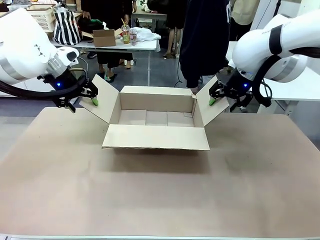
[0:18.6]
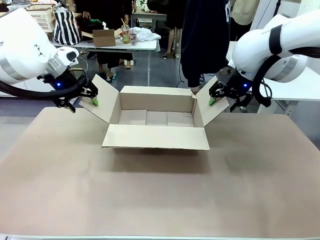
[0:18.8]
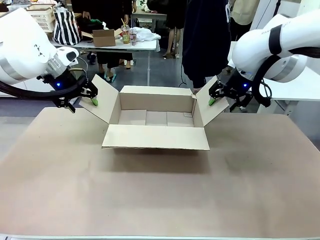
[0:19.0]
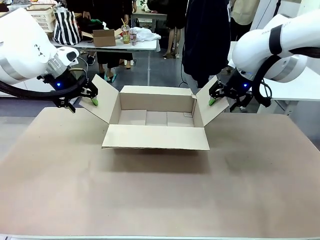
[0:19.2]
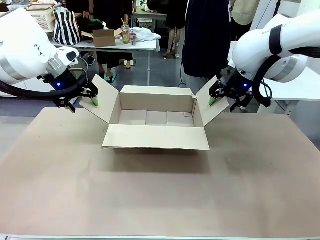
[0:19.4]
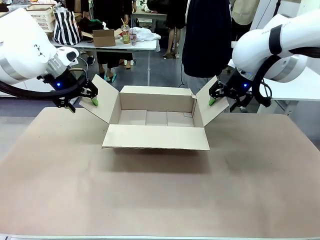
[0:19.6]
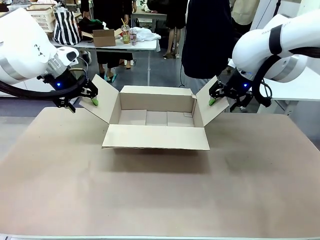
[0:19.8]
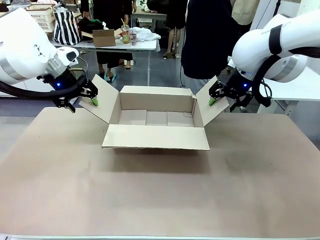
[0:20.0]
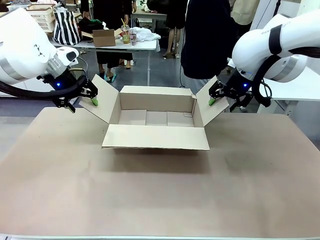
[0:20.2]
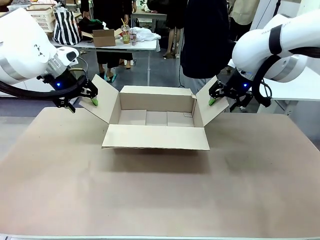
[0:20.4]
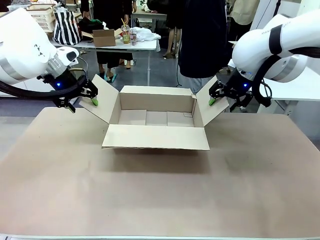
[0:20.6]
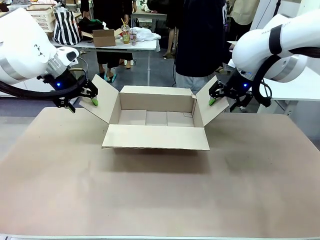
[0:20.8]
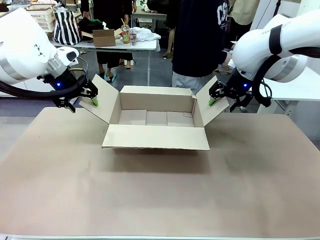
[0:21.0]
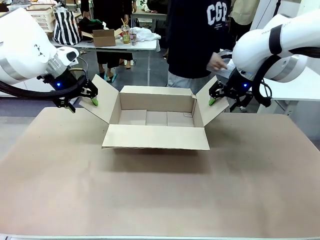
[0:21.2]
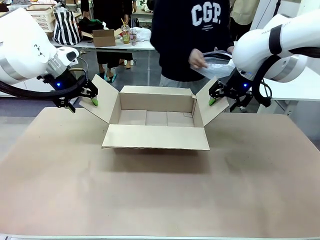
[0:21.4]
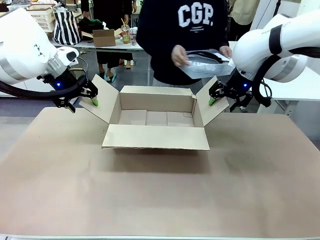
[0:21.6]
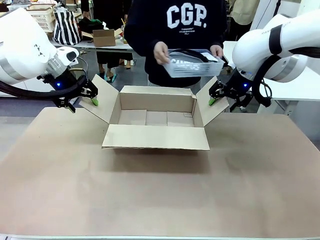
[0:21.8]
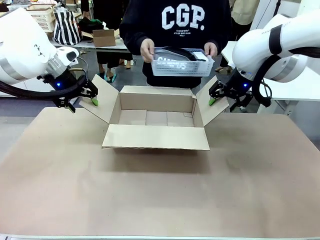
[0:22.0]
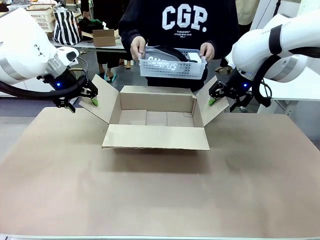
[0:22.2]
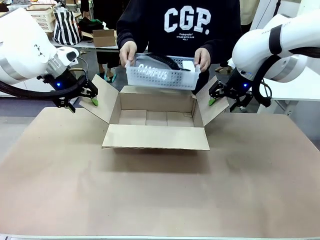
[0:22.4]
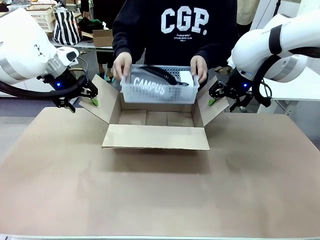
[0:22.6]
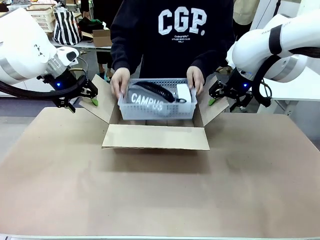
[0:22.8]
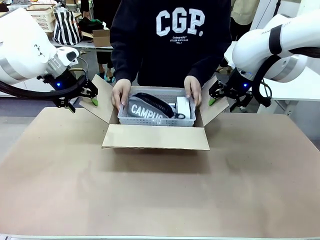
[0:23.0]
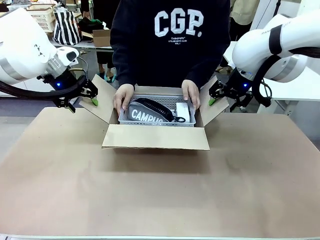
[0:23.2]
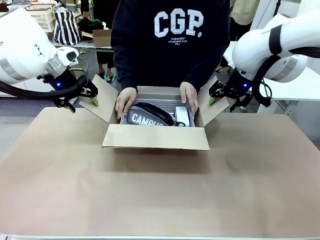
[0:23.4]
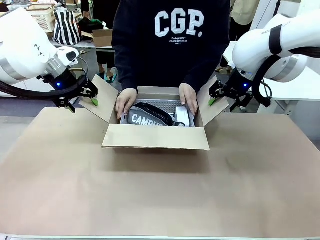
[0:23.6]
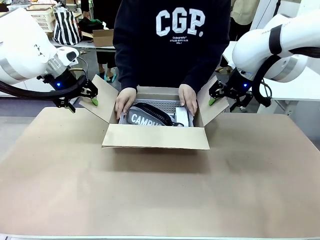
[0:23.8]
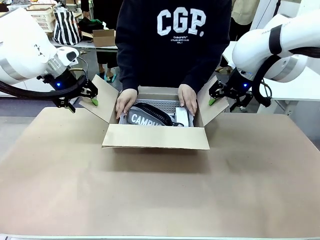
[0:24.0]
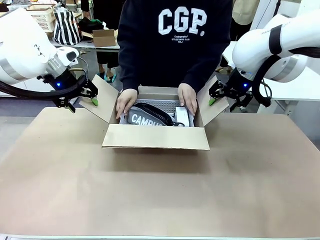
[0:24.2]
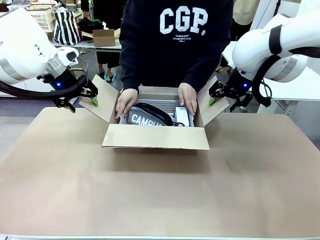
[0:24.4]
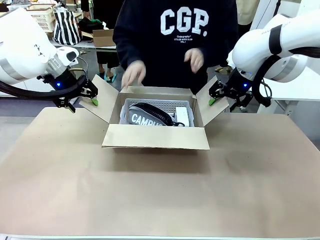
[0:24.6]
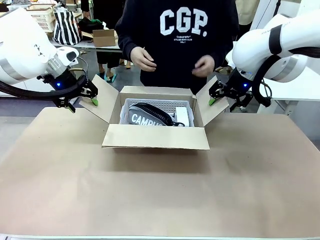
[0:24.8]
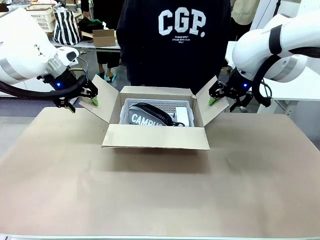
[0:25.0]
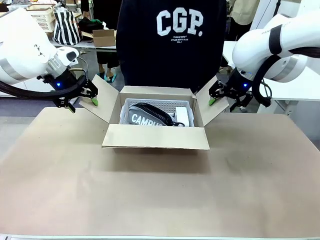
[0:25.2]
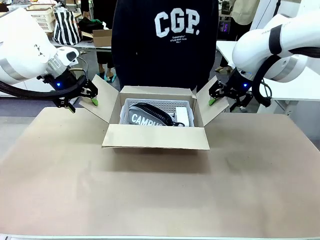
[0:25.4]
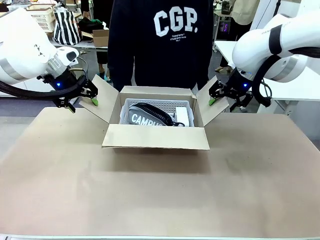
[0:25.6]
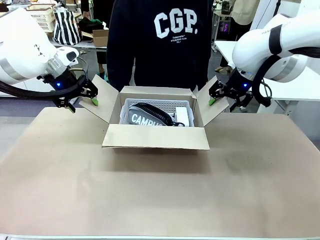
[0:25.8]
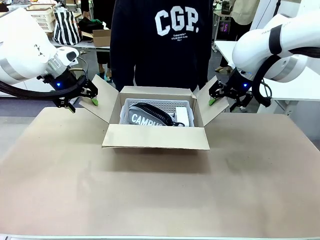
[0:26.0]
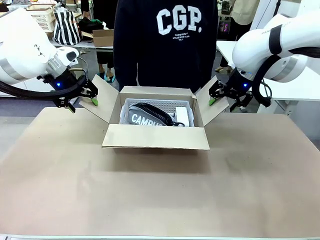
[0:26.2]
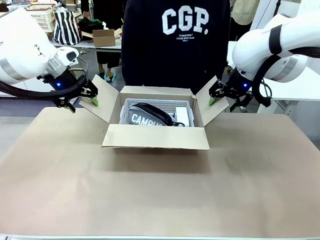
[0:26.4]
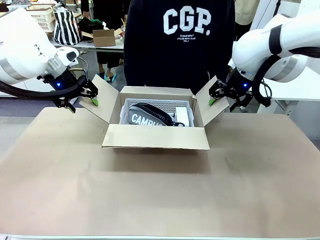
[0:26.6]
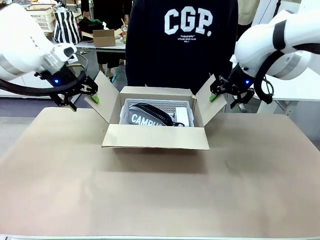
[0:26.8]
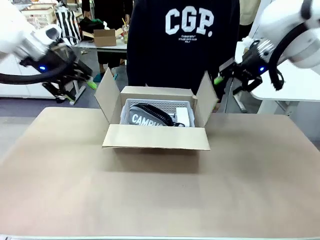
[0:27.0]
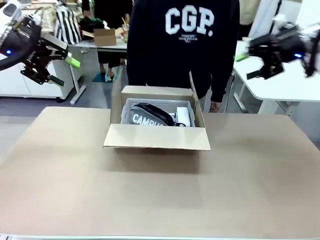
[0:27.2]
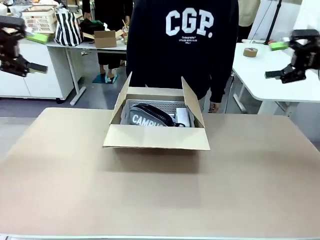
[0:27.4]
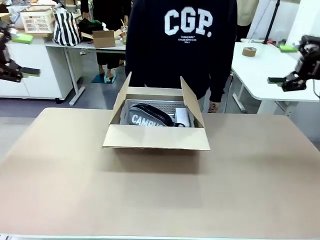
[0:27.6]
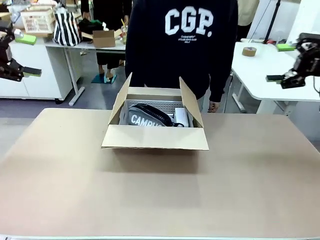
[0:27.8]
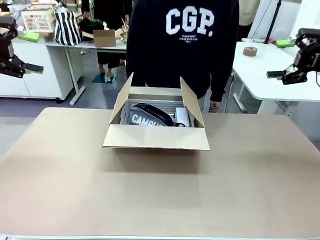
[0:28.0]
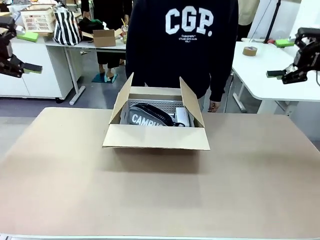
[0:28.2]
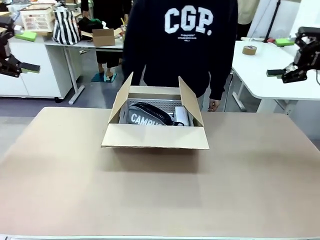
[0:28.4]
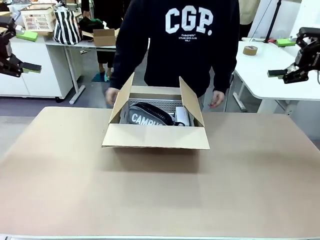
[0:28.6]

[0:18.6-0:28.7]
Task: Pack the gift set into the box.
Robot: Lift both hands away from the flaps of the Package Box.
Person: The human picks up the organizing basket and places the organizing basket into the package box on the robot table.

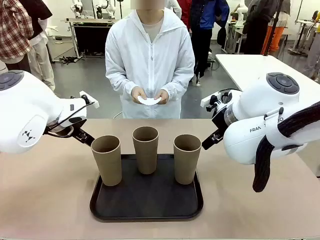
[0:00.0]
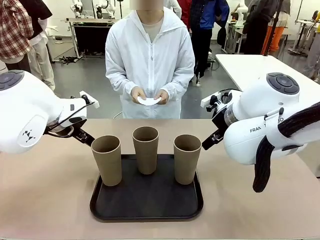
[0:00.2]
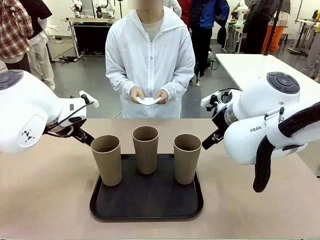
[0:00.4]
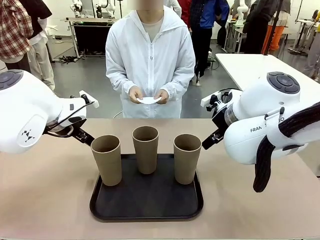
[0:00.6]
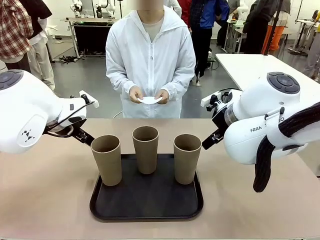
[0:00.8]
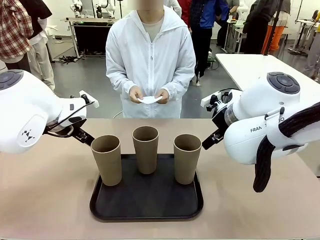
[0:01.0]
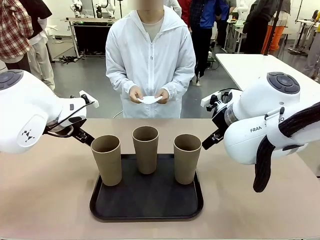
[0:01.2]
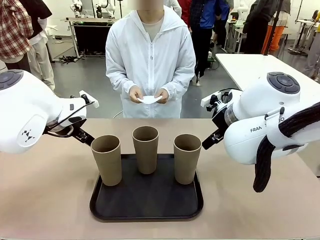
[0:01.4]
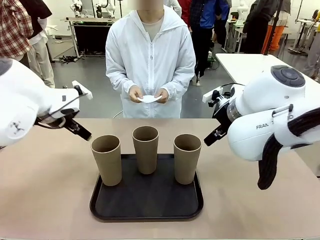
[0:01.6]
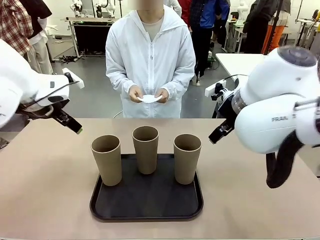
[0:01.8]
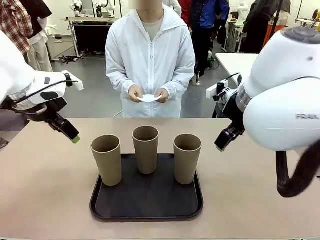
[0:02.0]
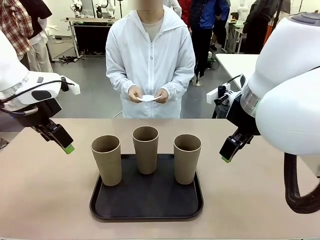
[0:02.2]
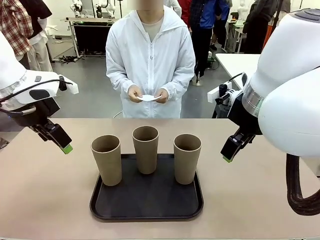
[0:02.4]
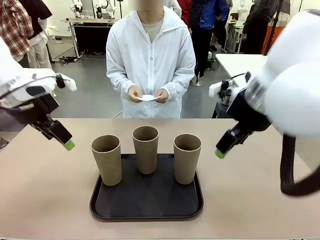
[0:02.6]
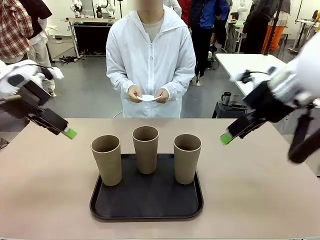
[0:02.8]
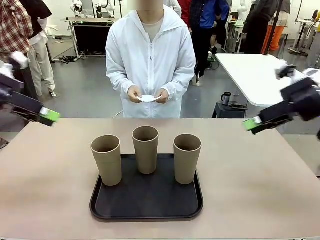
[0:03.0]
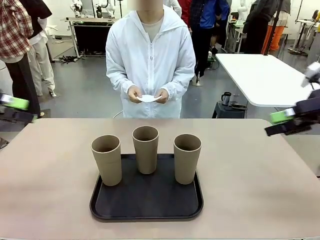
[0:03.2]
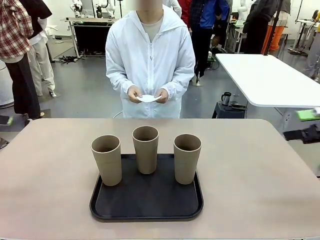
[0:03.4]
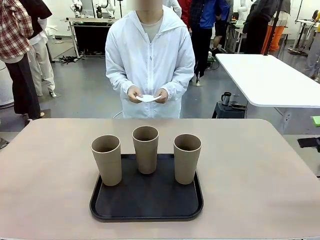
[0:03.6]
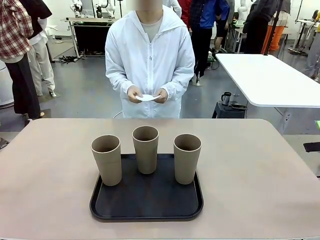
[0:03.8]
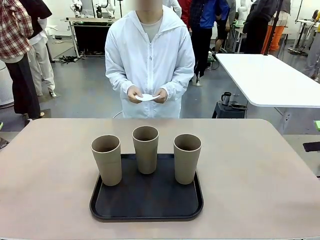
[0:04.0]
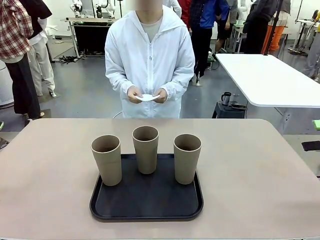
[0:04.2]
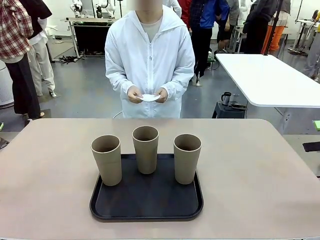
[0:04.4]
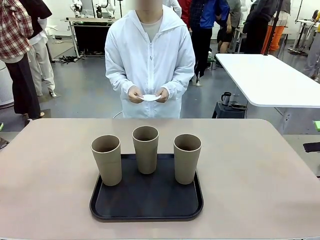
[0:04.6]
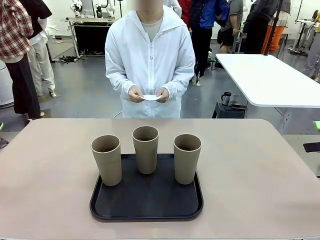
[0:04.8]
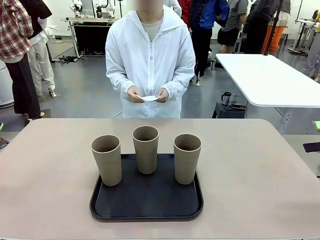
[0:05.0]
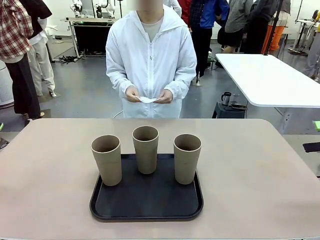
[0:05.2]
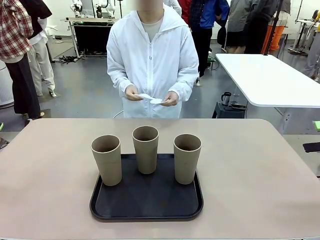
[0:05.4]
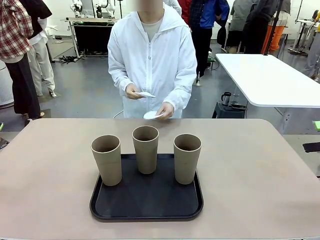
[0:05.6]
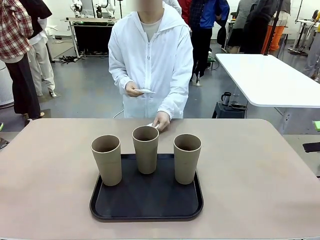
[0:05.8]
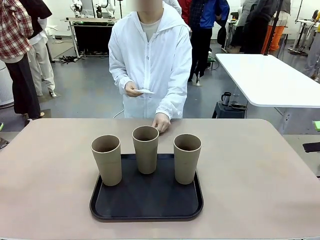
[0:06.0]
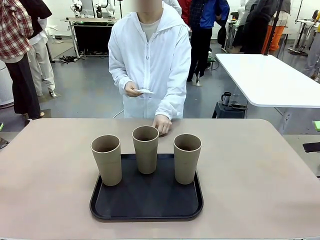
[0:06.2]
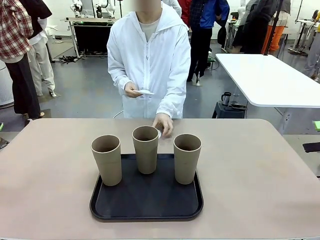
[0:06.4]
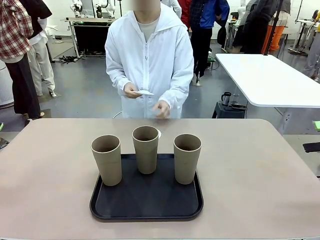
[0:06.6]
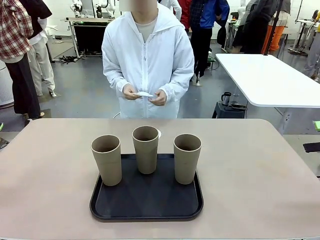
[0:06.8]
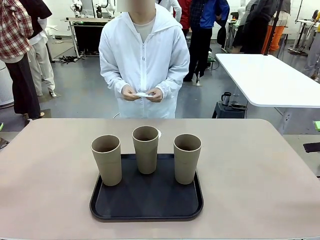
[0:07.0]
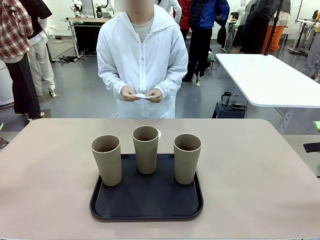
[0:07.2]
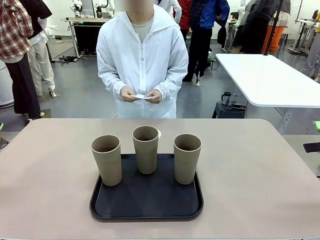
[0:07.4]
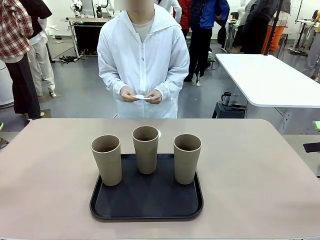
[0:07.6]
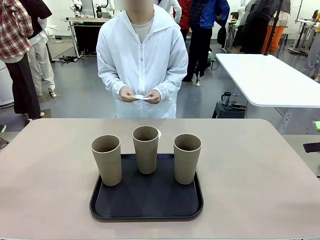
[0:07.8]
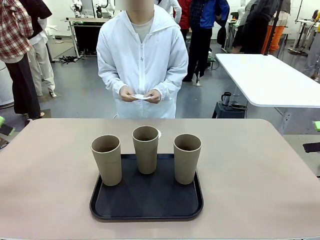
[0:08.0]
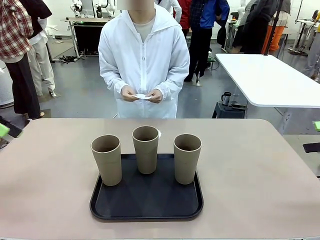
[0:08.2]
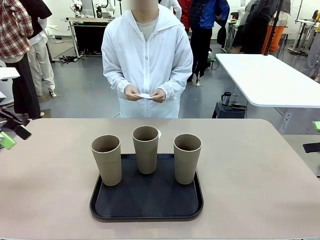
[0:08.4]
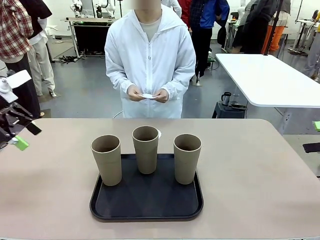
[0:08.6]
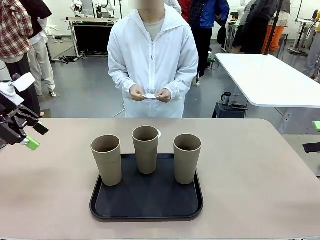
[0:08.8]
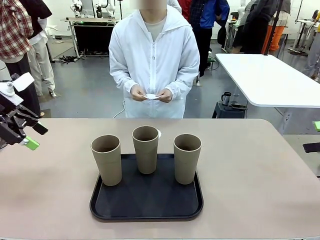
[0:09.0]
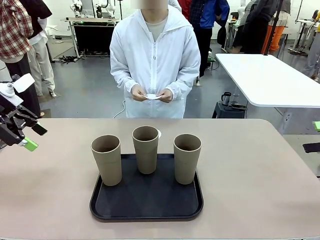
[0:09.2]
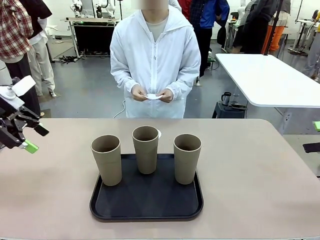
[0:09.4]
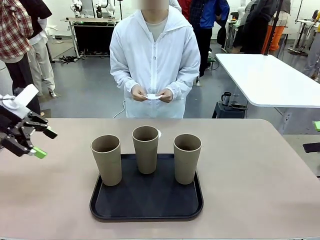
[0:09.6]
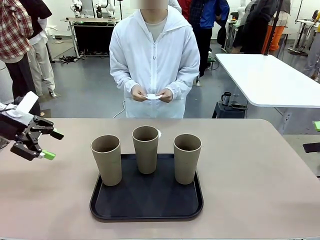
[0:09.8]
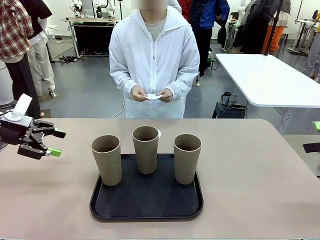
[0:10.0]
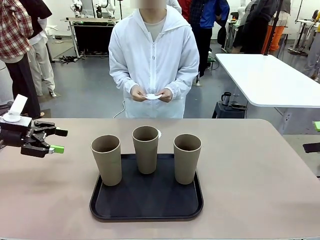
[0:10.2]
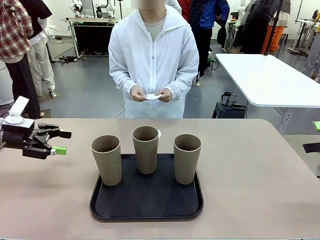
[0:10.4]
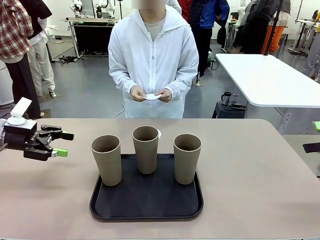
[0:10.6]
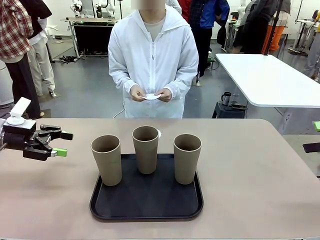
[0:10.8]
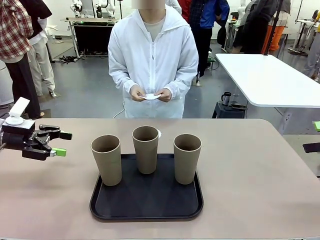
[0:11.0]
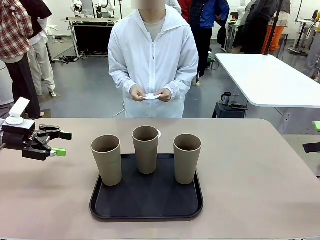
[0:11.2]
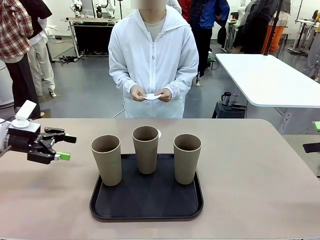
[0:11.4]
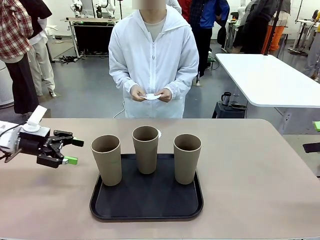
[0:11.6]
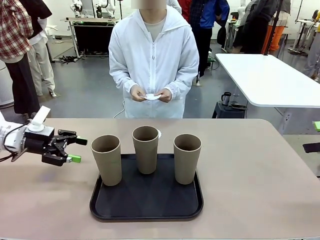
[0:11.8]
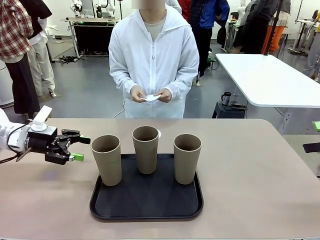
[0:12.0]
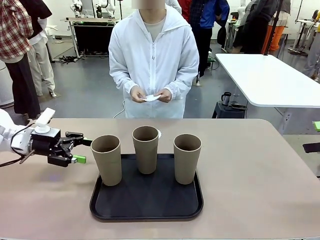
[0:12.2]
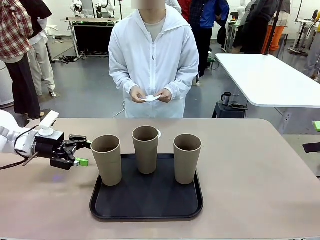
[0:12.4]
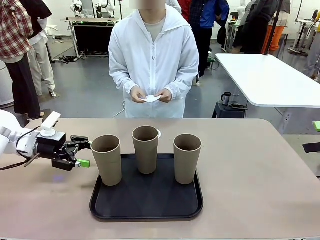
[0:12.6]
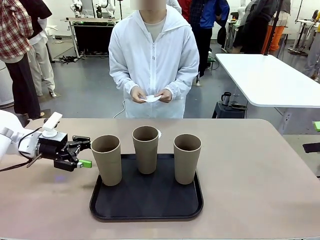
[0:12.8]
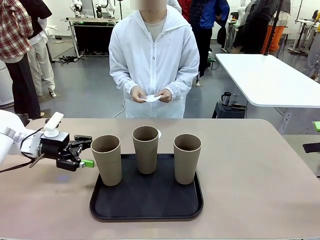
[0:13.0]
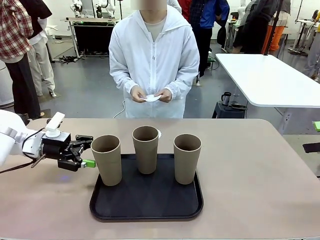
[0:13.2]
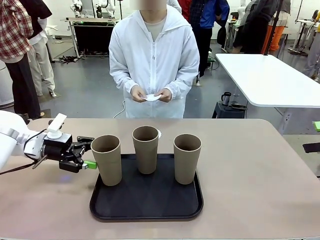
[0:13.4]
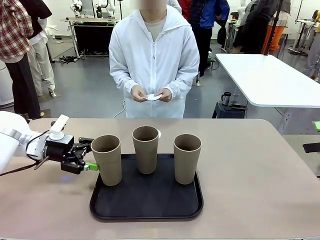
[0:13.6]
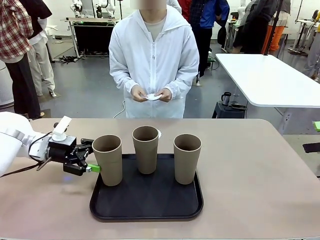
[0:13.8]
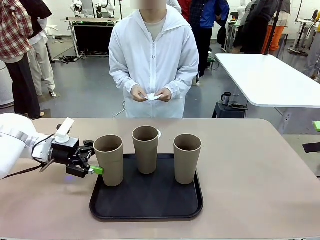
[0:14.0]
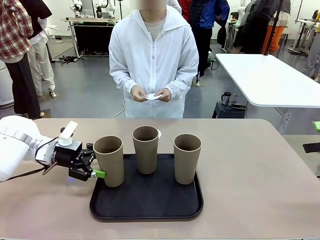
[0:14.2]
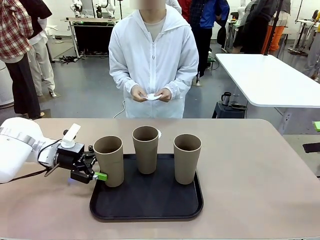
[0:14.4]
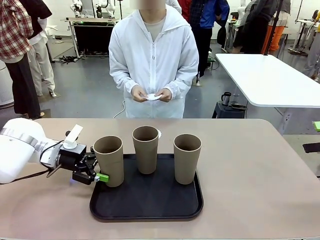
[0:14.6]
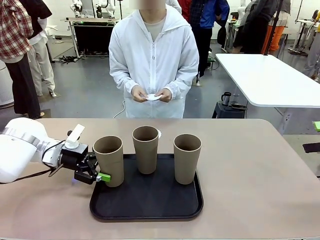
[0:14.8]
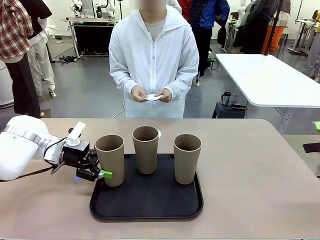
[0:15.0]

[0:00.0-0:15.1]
Task: Place coasters on the table and set cups on them.
Robot: Pick up one Reusable plastic cup and place it on a coaster set by the human.
Person: Place one coaster in any one of the three lower areas of the robot table (left, center, or right).
